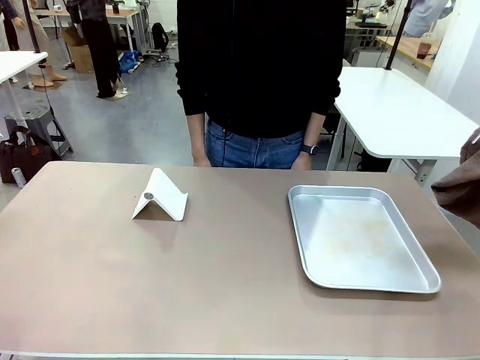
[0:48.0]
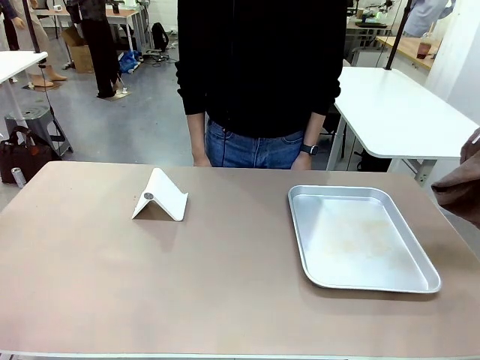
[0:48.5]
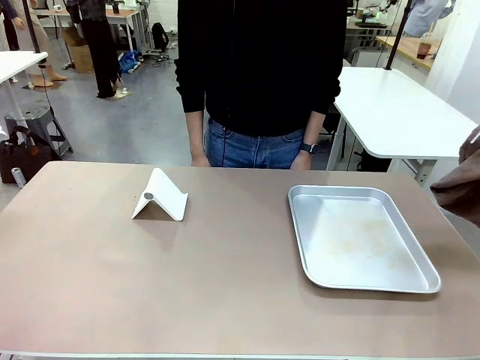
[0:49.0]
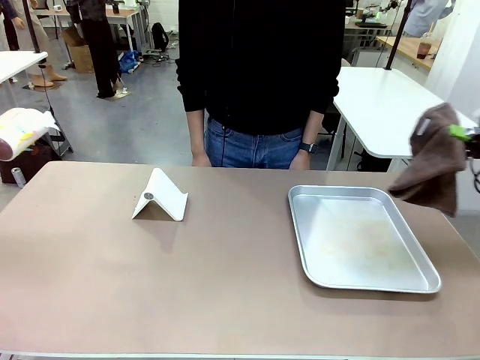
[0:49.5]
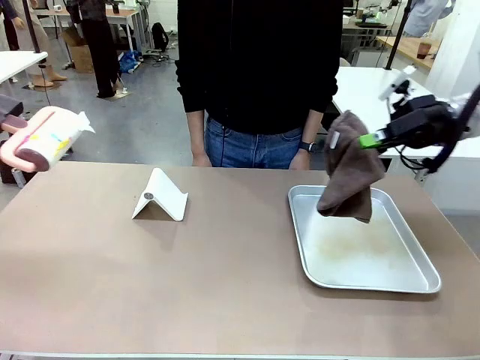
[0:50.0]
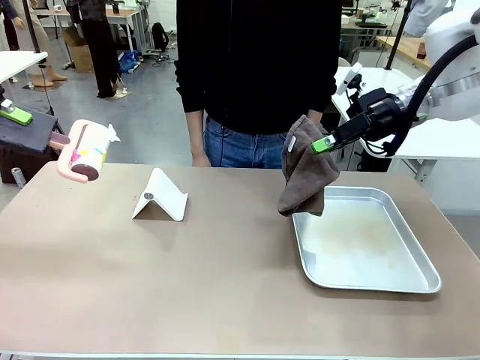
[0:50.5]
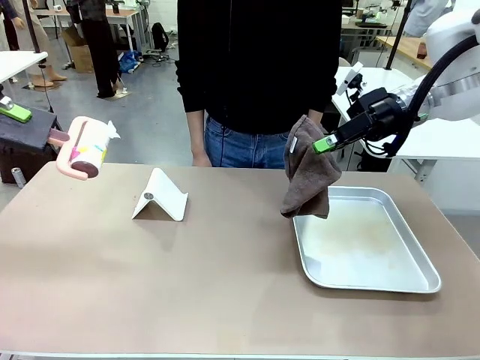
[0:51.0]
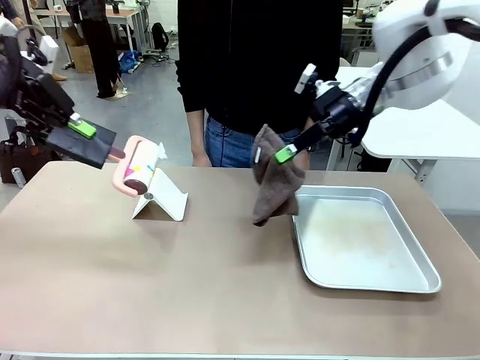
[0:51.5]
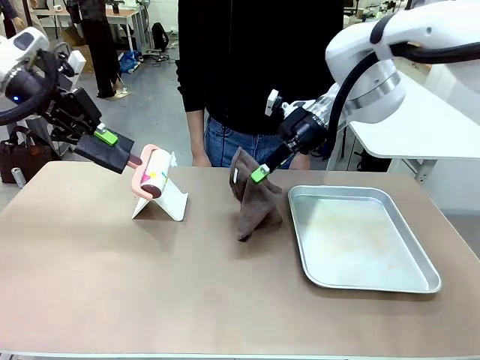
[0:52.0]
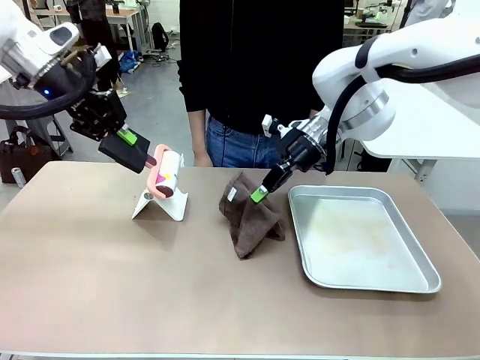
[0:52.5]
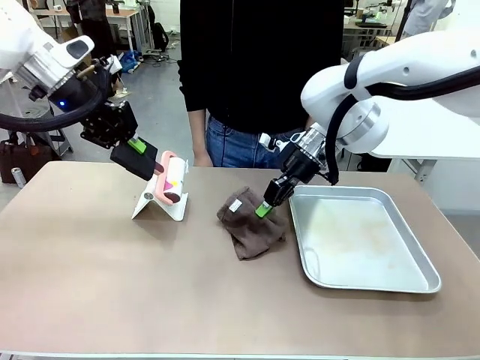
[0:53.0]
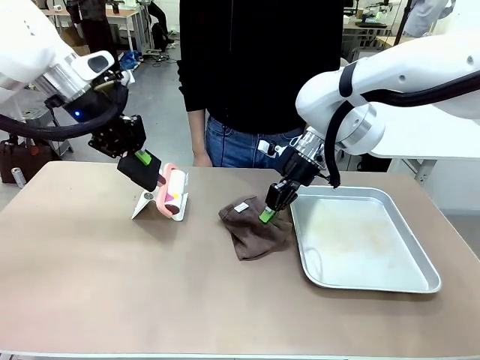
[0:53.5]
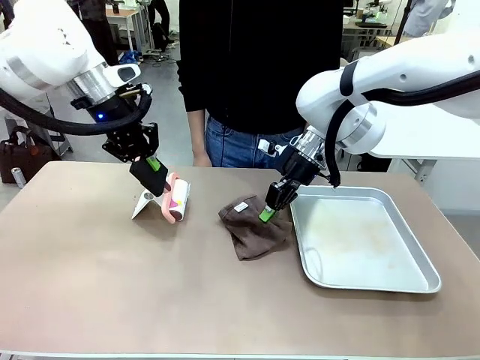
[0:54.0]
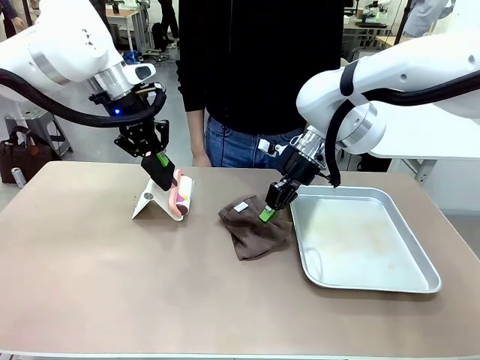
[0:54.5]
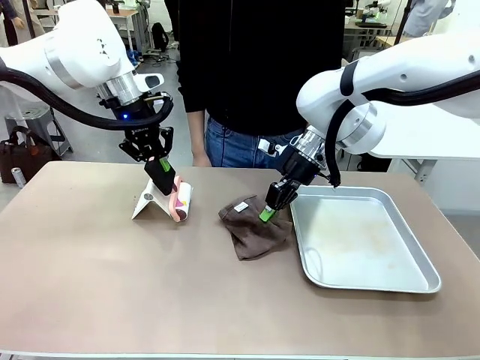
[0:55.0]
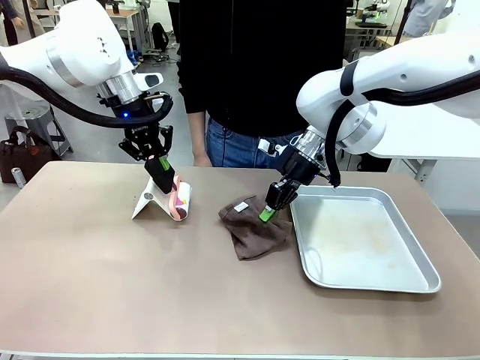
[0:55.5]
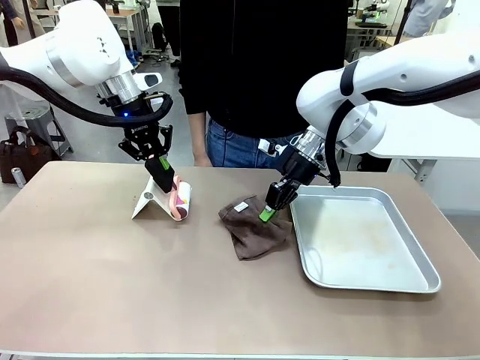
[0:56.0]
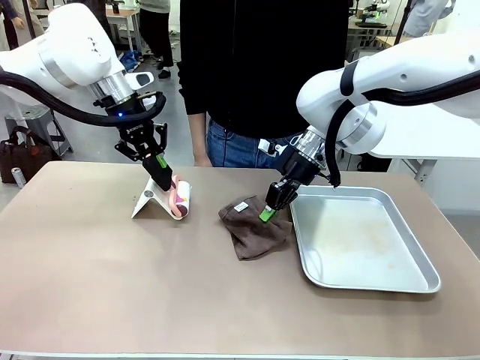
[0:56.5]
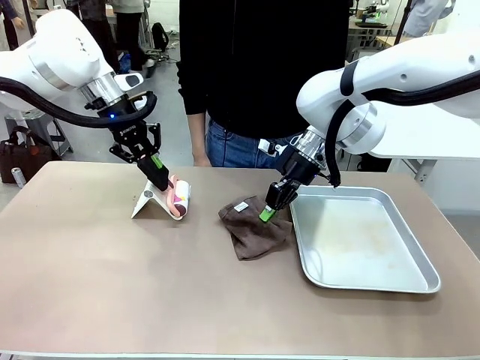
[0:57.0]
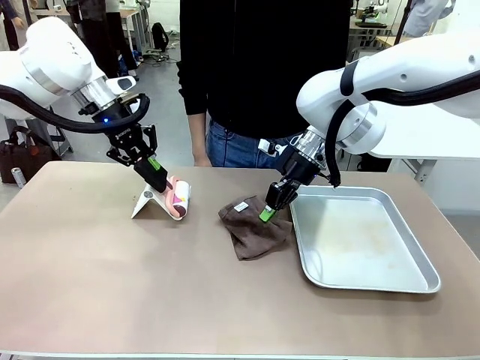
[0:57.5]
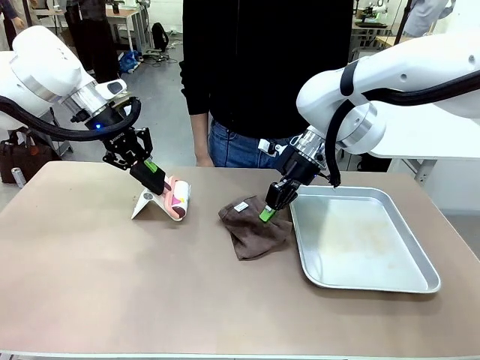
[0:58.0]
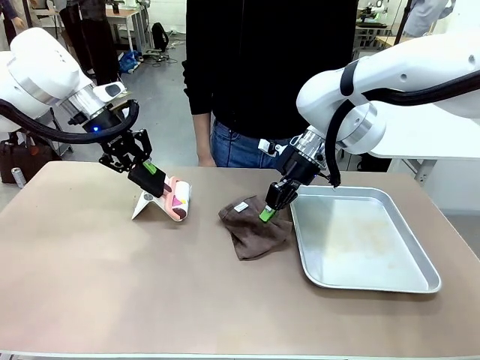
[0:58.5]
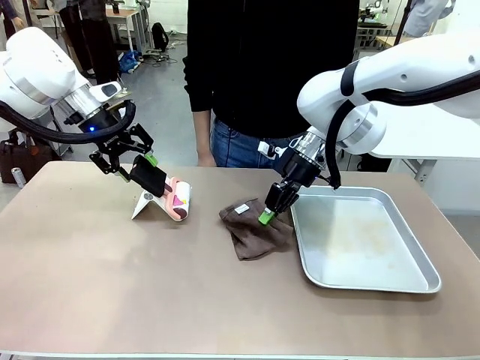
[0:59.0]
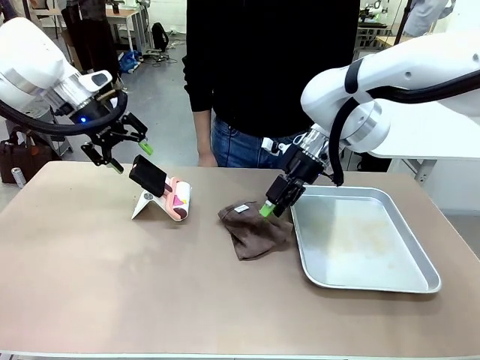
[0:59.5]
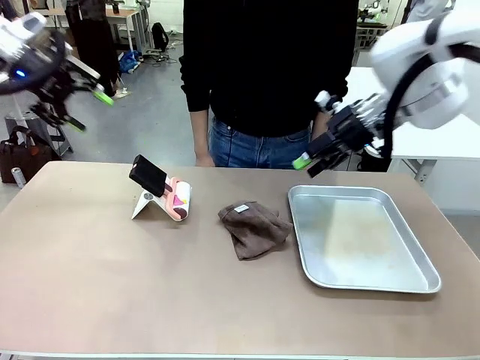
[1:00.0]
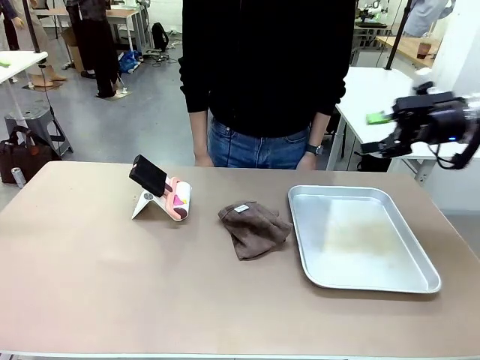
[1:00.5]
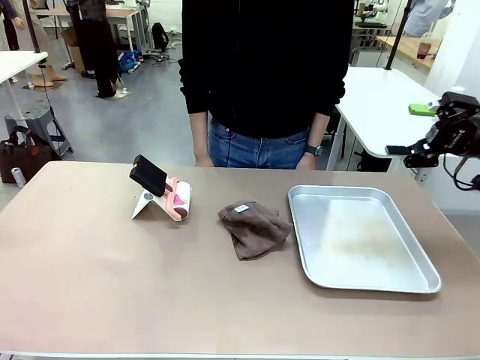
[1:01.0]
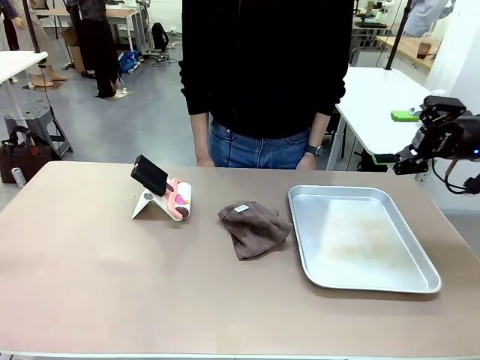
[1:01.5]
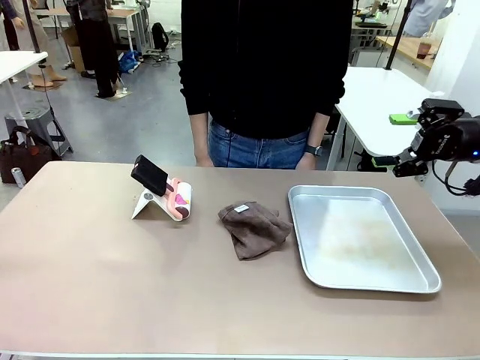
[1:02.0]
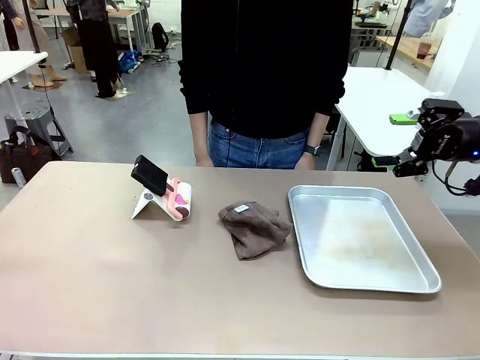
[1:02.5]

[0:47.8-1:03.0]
Task: Clean the surface of the table.
Robot: Return the Lint Roller and towel to their original positions.

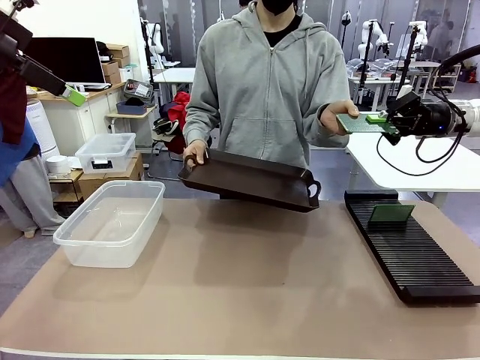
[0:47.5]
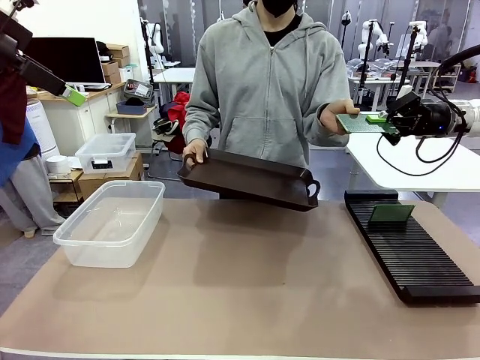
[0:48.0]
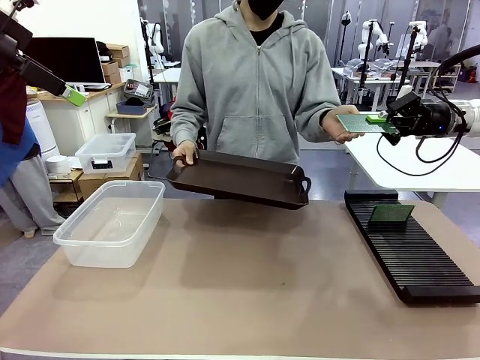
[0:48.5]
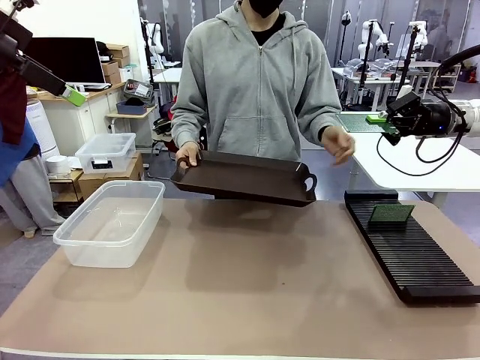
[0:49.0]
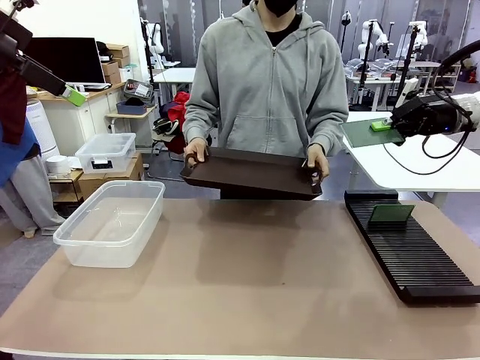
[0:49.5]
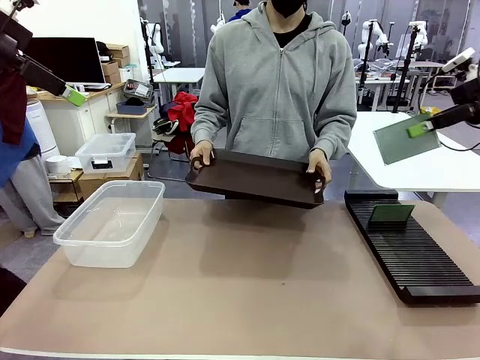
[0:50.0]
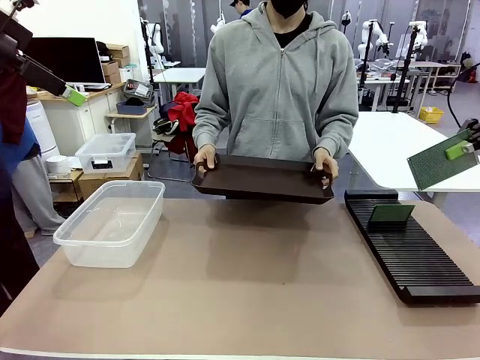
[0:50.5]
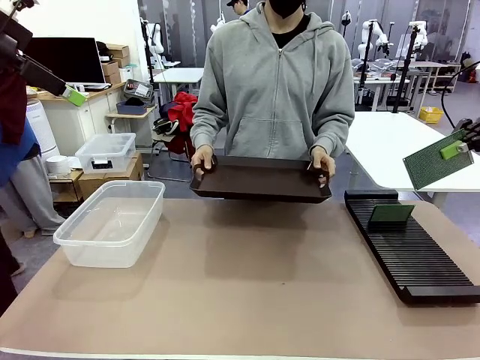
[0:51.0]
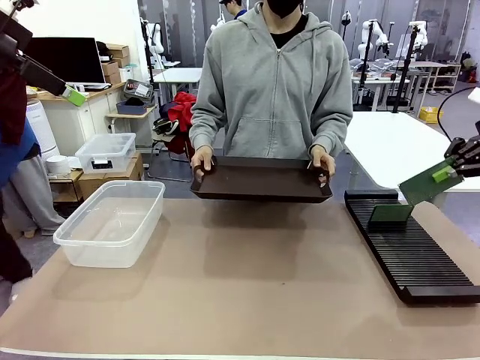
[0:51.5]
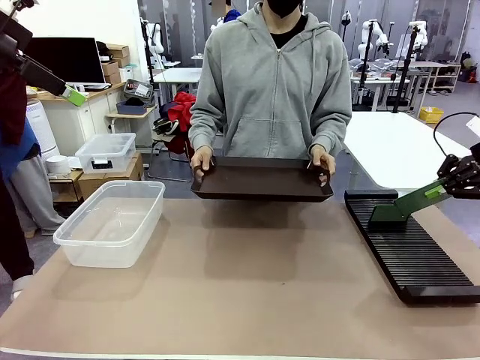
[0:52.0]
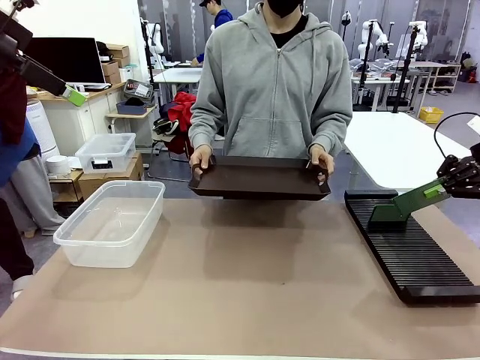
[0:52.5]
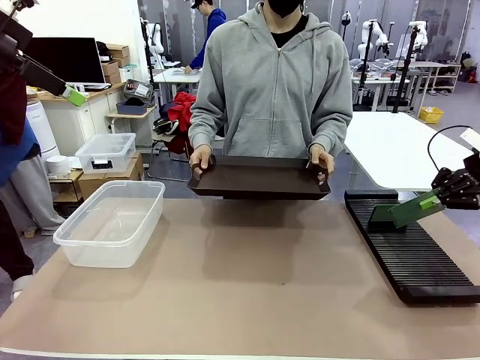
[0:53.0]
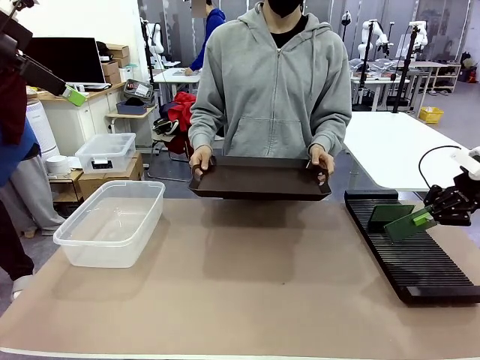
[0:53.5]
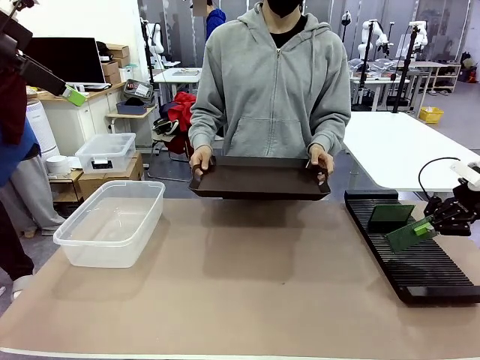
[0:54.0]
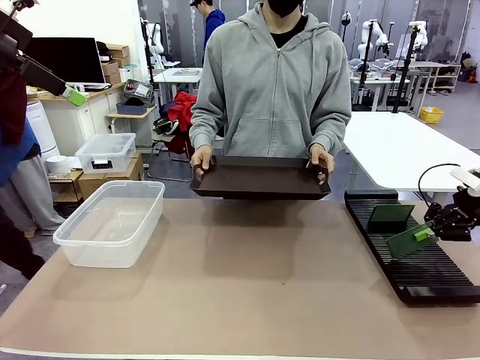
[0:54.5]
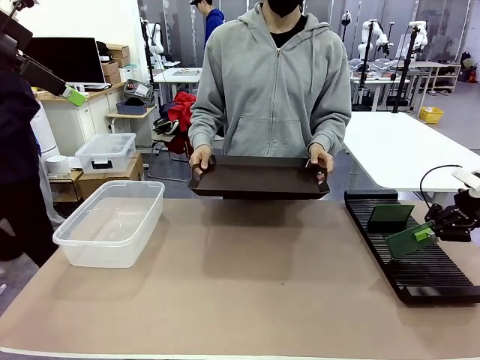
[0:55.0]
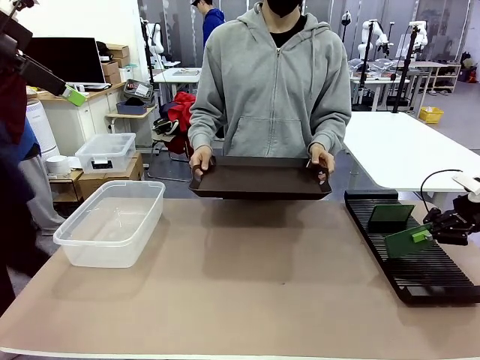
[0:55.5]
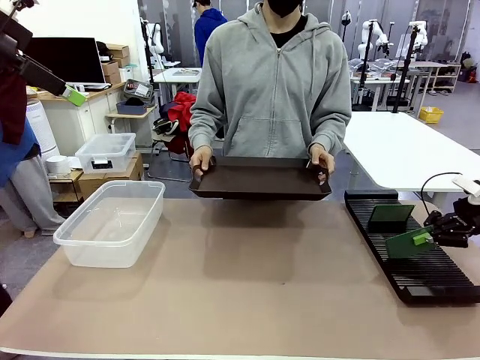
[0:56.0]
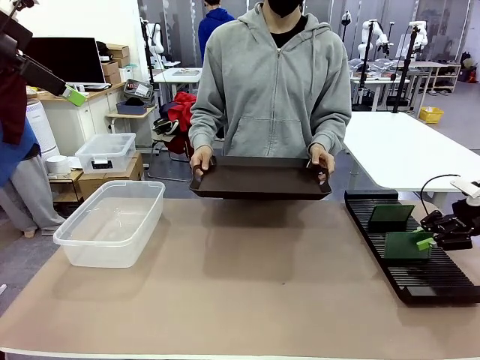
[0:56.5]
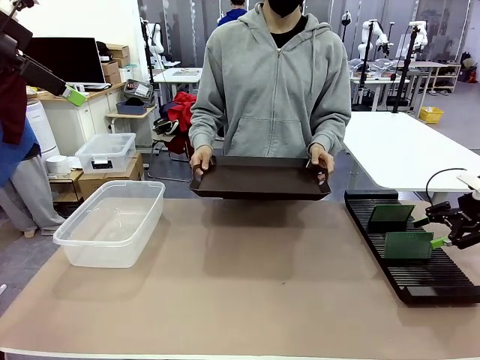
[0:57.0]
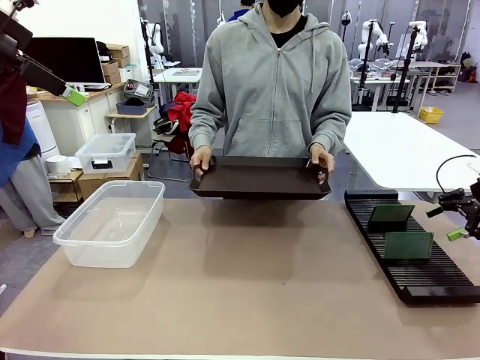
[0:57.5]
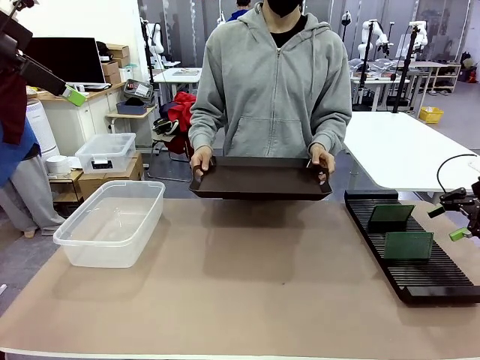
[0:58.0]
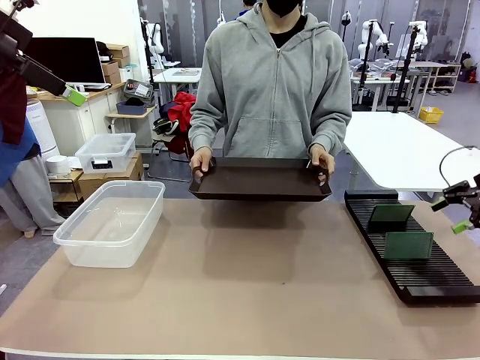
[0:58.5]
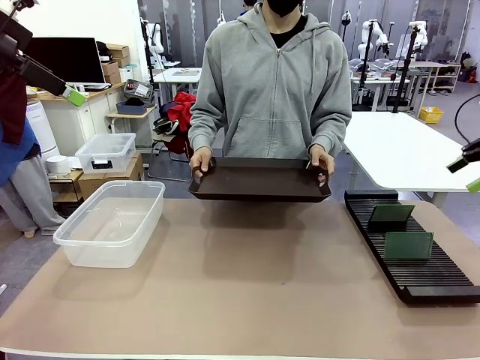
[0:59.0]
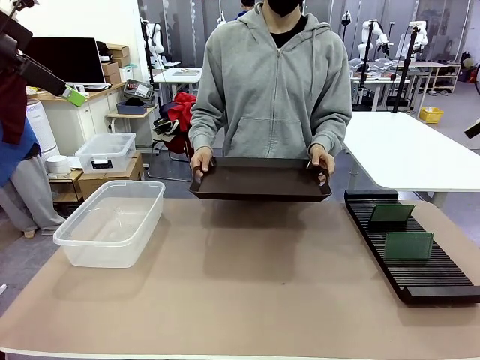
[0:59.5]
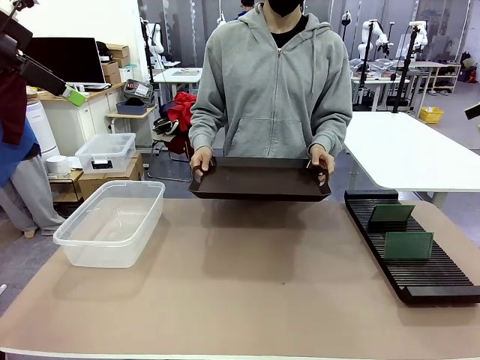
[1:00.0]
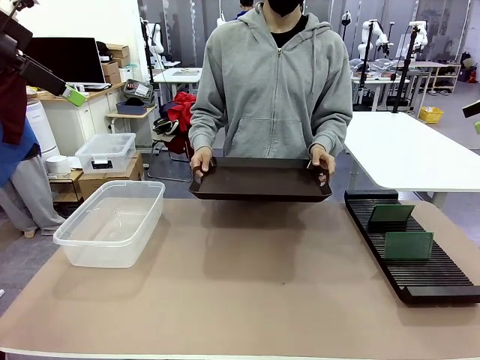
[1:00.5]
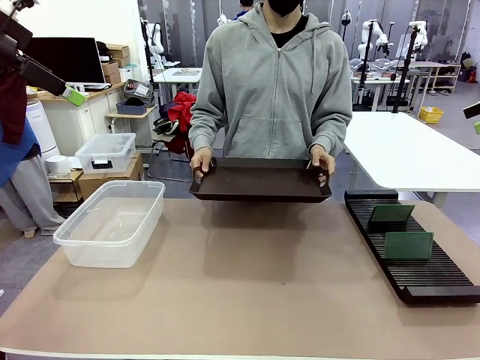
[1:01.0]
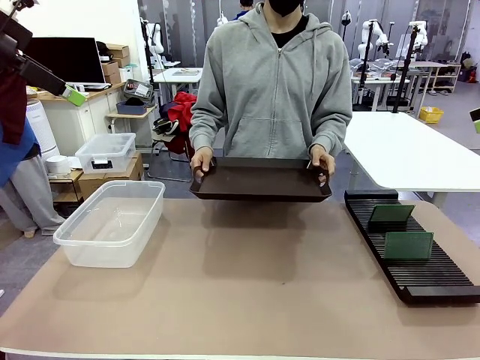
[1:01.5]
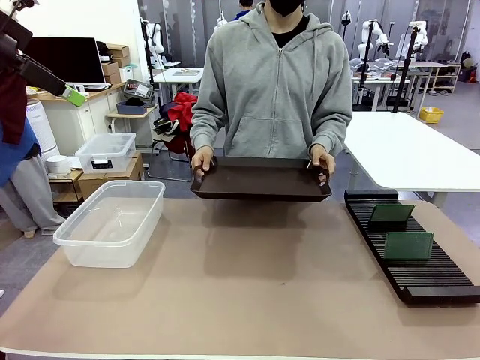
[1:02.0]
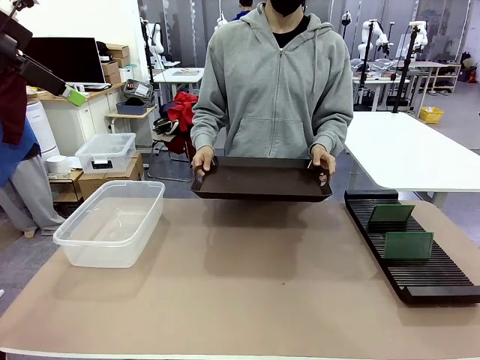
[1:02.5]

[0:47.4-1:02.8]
Task: Sort PCBs into racks and boxes based on the side picked up.
Robot: If the short side of the Blank PCB is picked up, insert it into the PCB Rack ; if the long side is picked up, place it in the Organizing box.
Person: Release the PCB being held.
